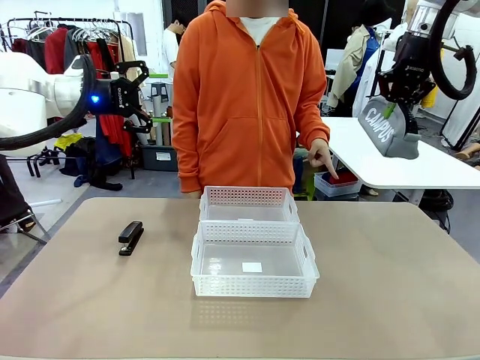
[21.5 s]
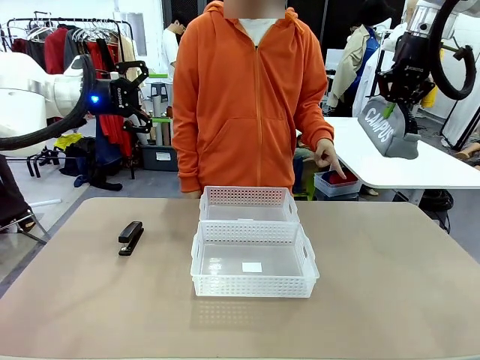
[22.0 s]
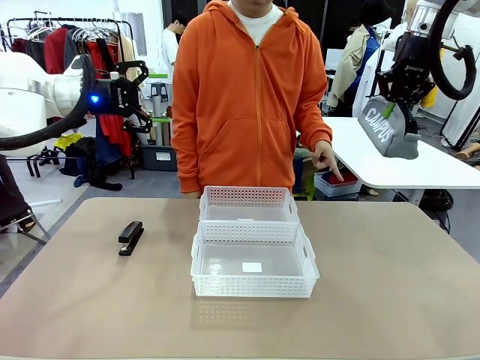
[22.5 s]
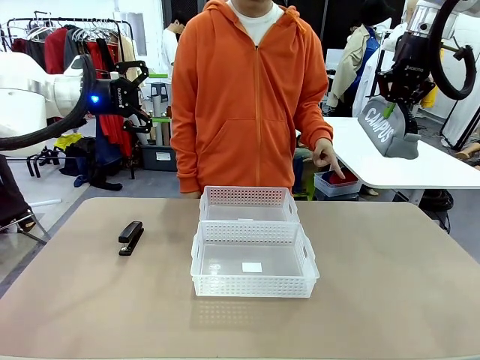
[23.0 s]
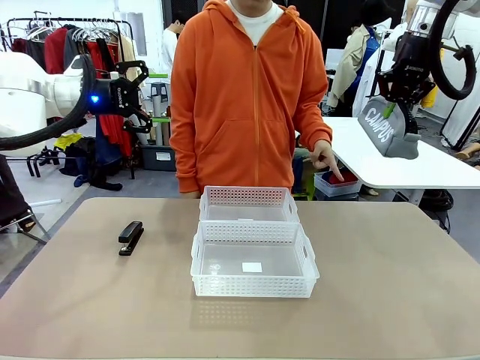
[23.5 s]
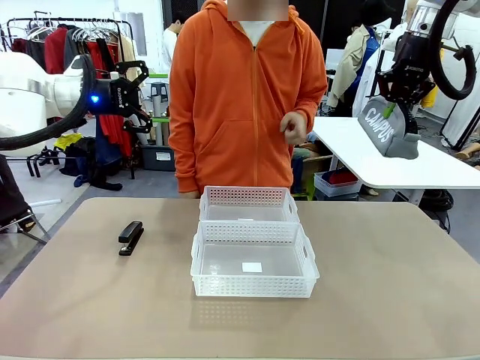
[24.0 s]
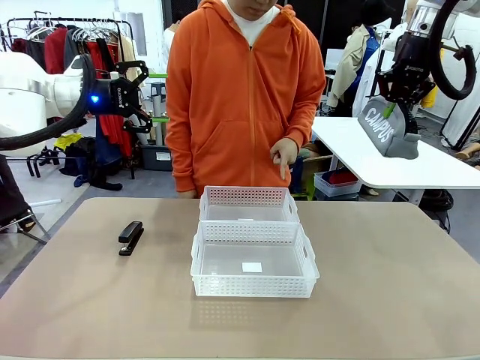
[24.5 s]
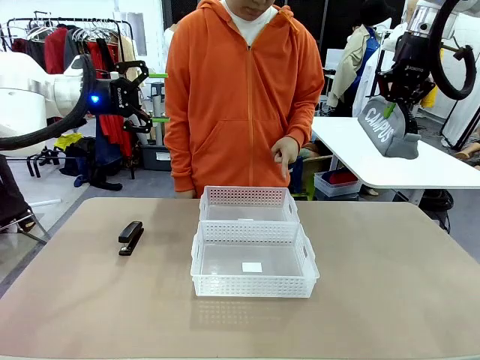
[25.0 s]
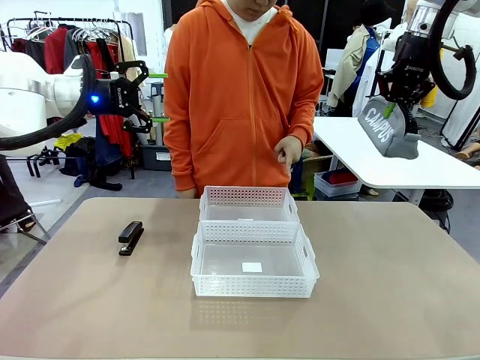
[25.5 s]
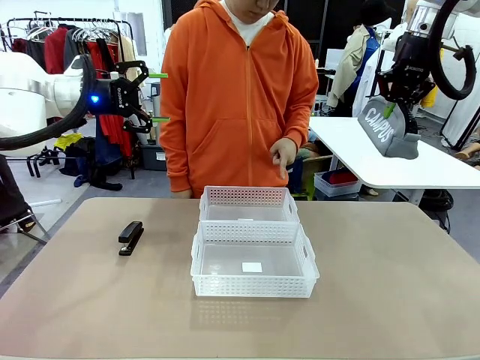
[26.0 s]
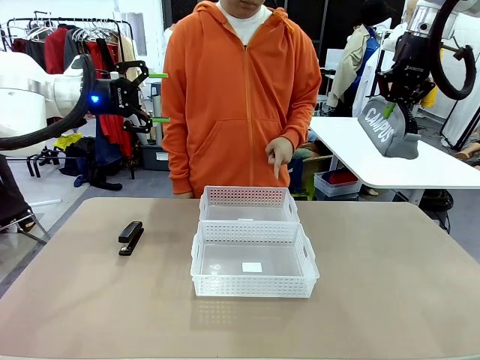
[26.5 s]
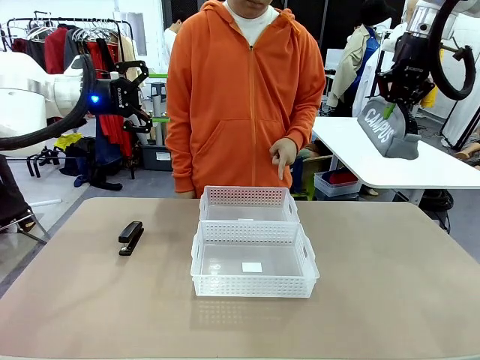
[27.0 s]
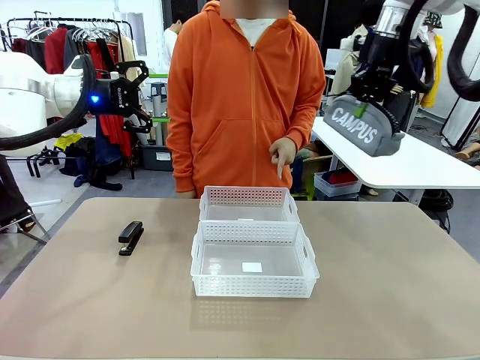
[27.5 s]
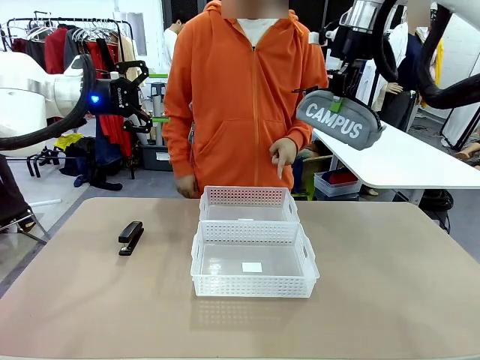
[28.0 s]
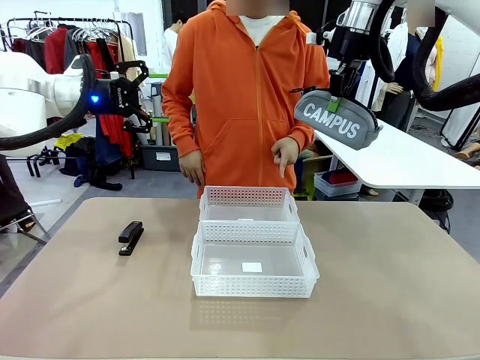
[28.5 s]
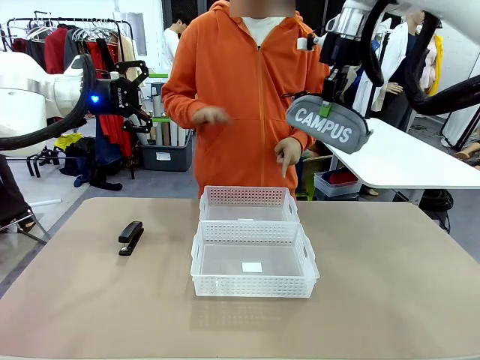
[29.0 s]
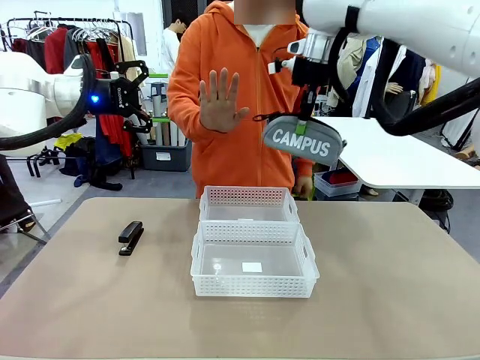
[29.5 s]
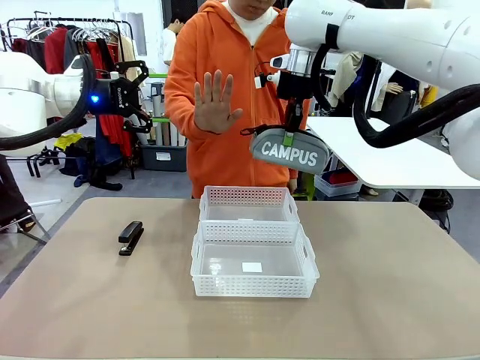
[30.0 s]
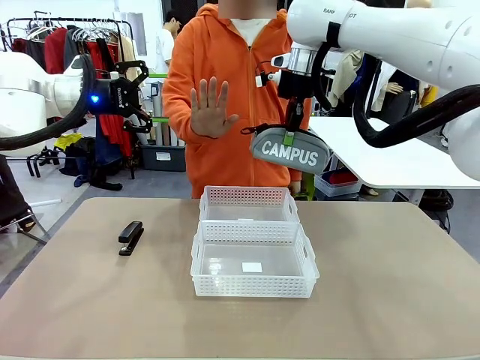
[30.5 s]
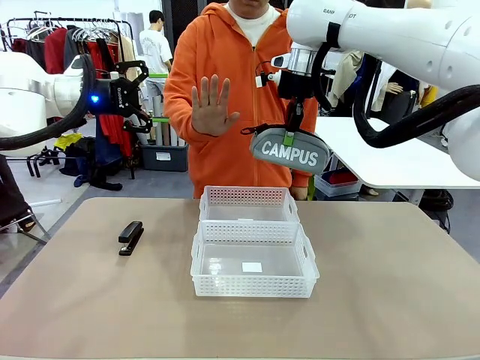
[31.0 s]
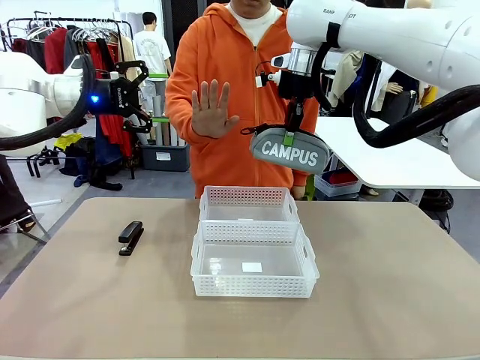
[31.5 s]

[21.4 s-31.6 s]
Task: Distribute items into two baskets.
Robot: Move the picked Pencil pouch towards the Organizing basket indicated by the person, stopping as directed.
Person: Sends a stop gesture before the robot places the pencil case into the basket.

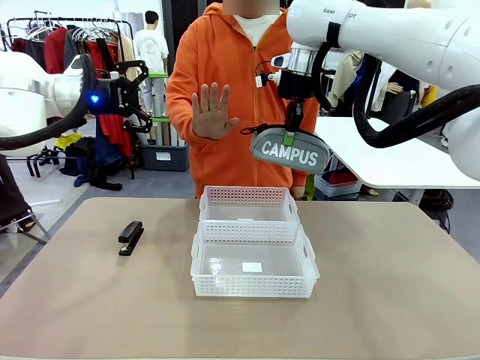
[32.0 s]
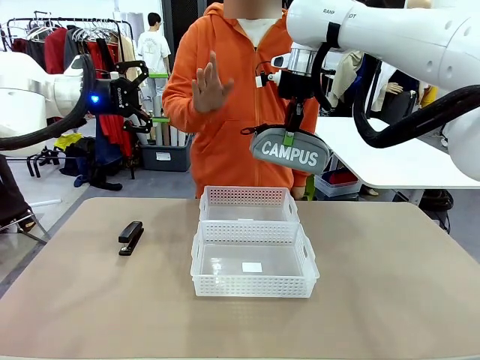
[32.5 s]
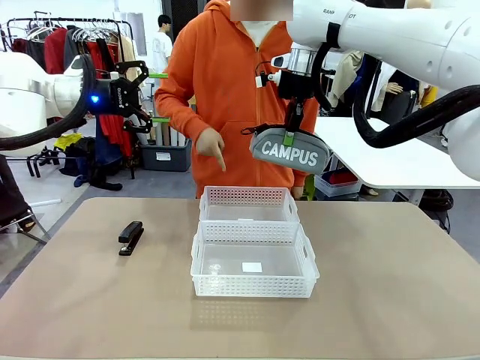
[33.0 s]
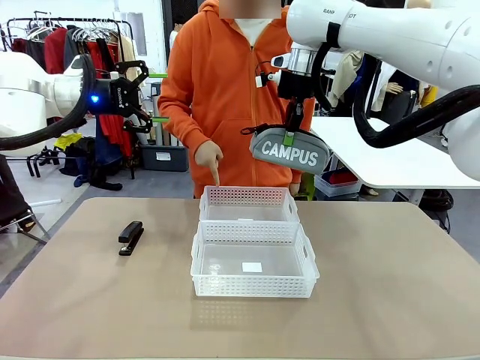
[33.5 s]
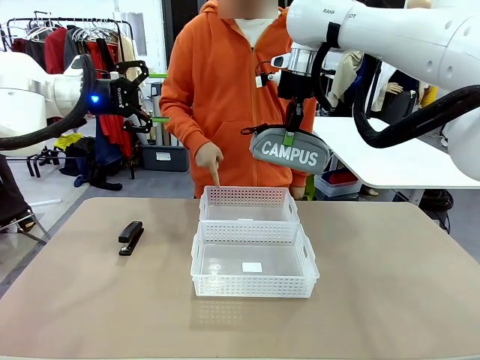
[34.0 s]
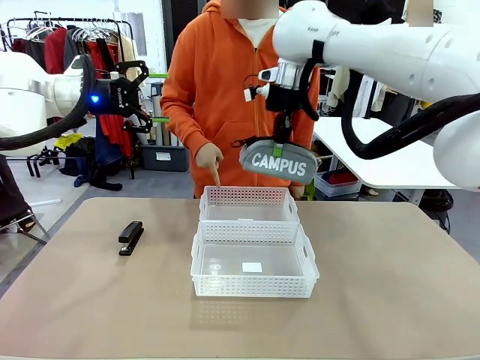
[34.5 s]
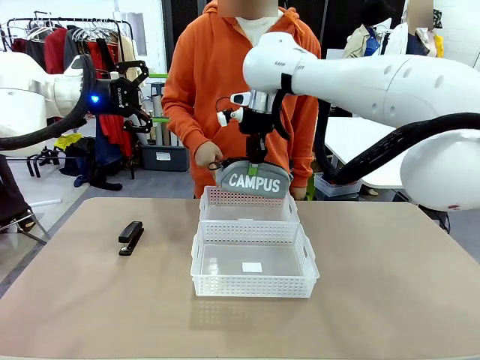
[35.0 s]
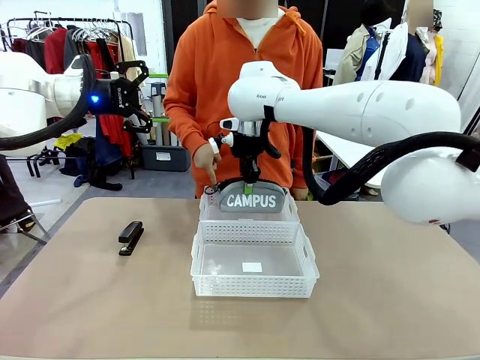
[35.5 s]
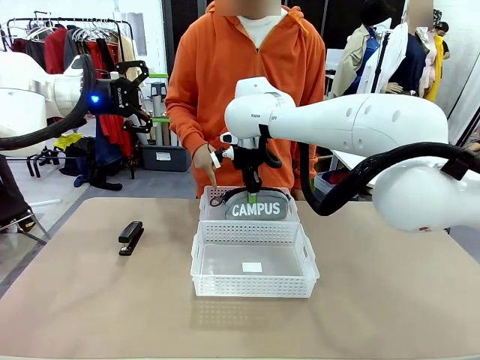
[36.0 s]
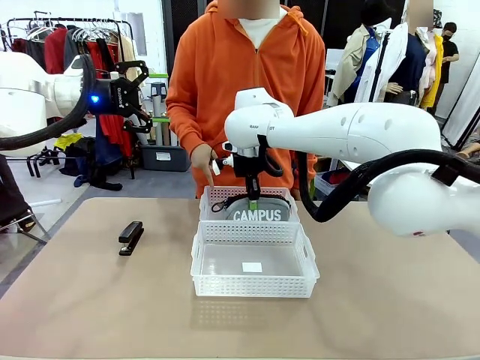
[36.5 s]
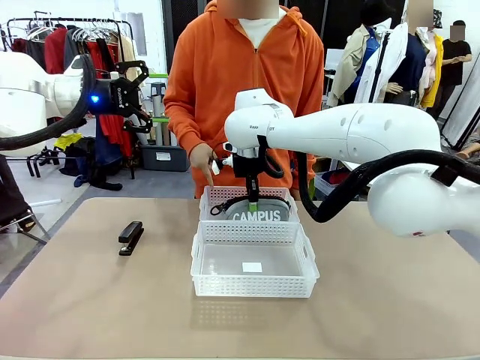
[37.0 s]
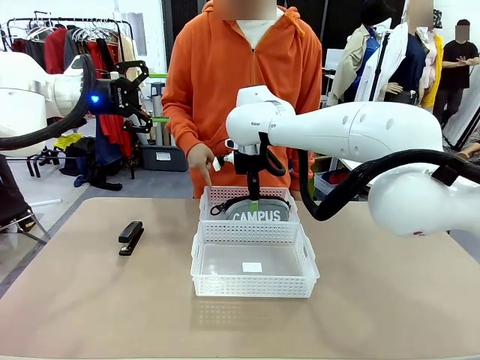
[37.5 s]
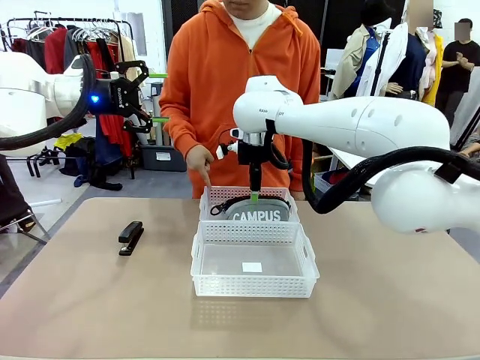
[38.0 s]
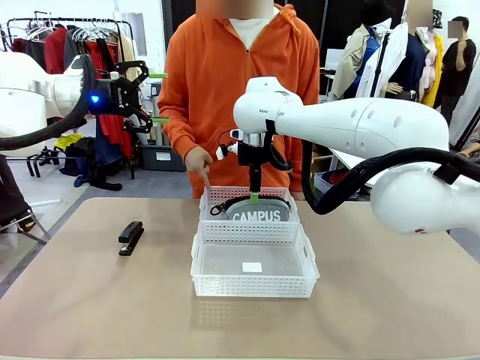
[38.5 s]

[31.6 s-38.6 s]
Robot: Place the picked Pencil pouch into the Organizing basket as instructed by the person.
Person: Instructs the robot to place the pencil case into the opposite basket.

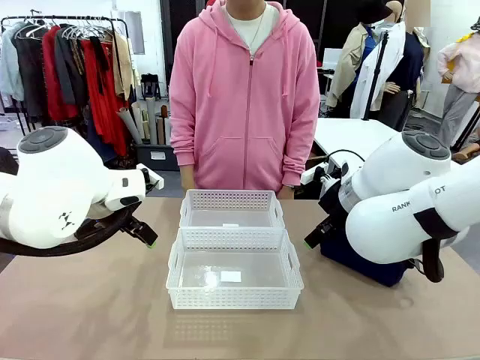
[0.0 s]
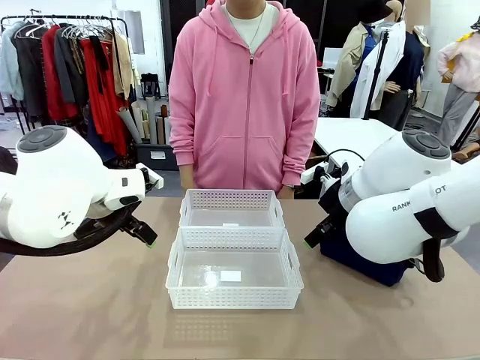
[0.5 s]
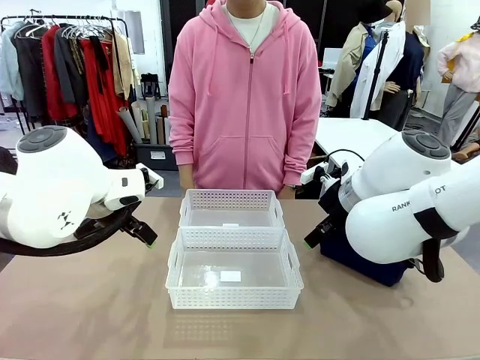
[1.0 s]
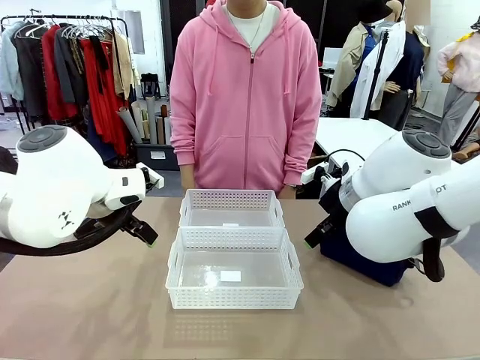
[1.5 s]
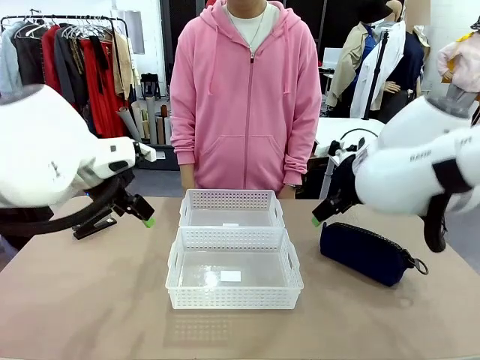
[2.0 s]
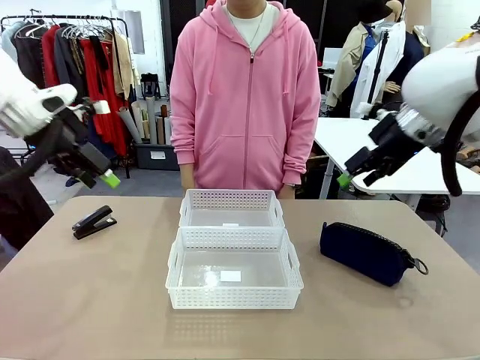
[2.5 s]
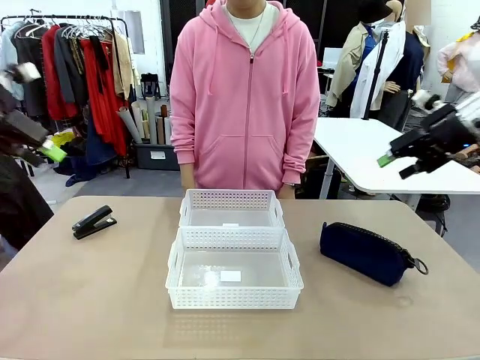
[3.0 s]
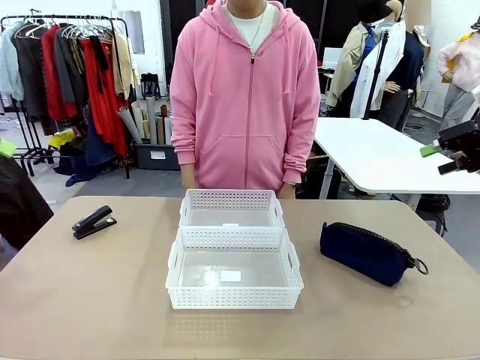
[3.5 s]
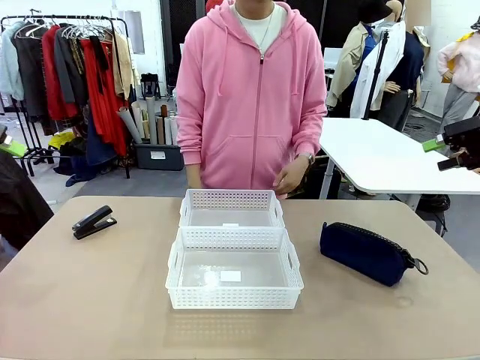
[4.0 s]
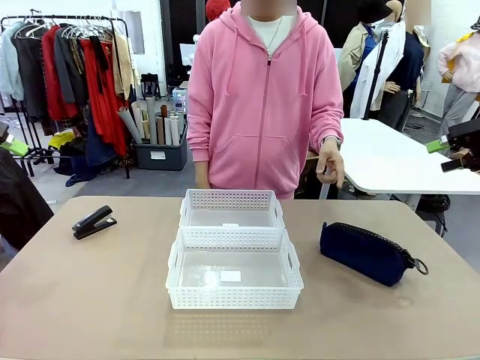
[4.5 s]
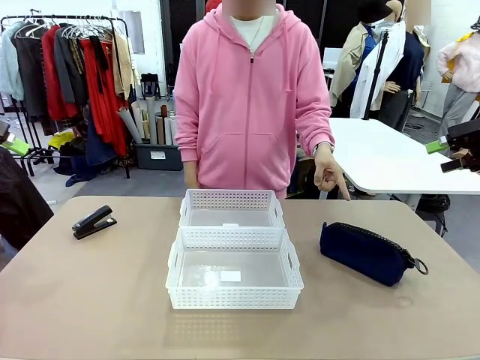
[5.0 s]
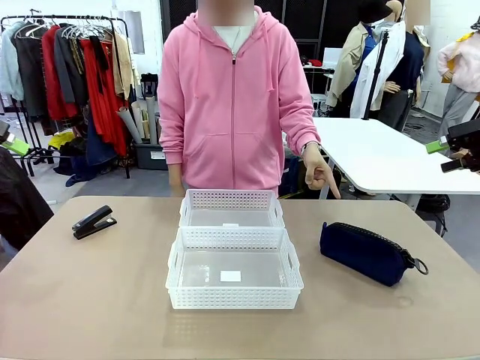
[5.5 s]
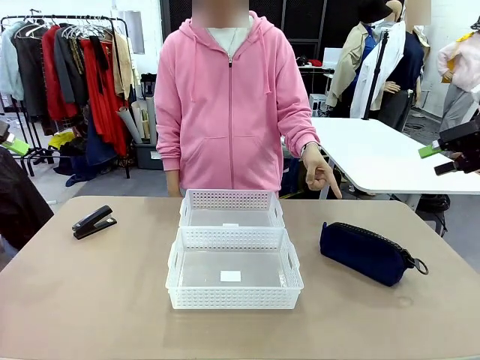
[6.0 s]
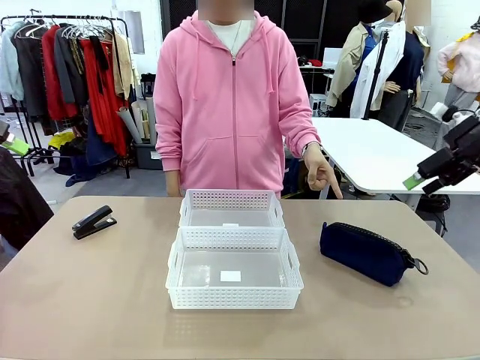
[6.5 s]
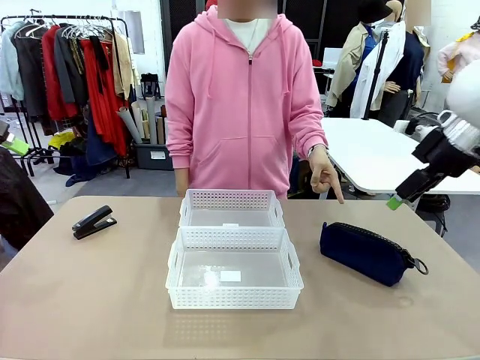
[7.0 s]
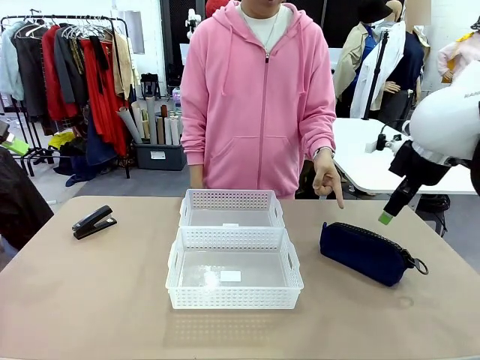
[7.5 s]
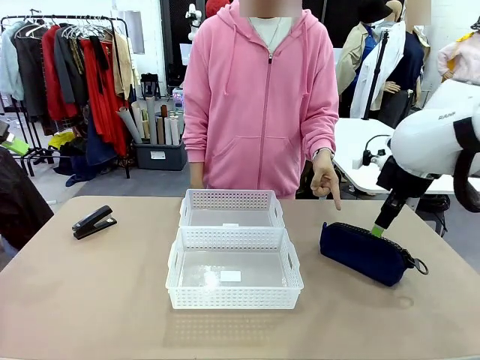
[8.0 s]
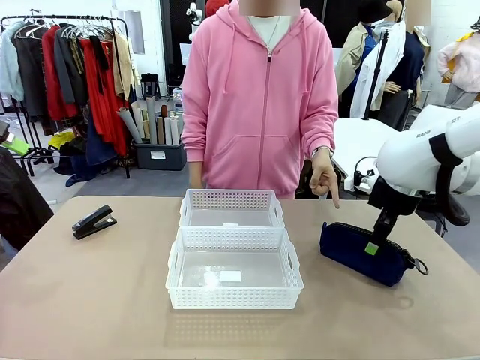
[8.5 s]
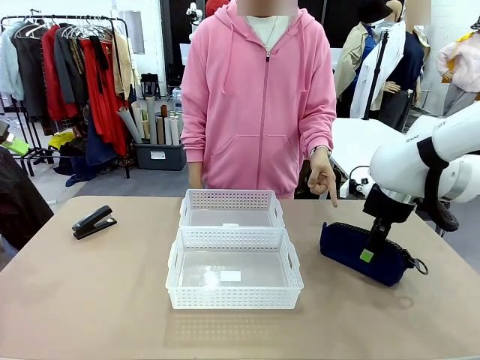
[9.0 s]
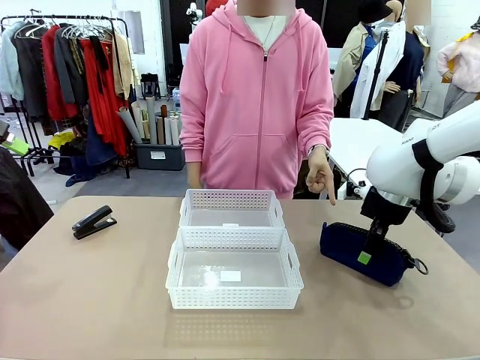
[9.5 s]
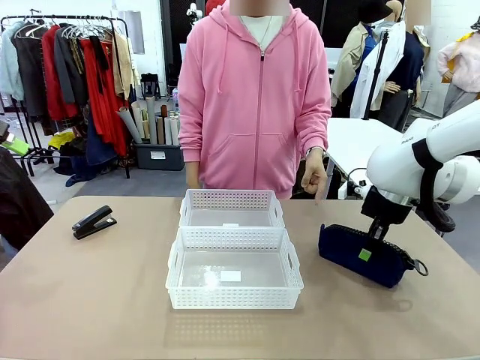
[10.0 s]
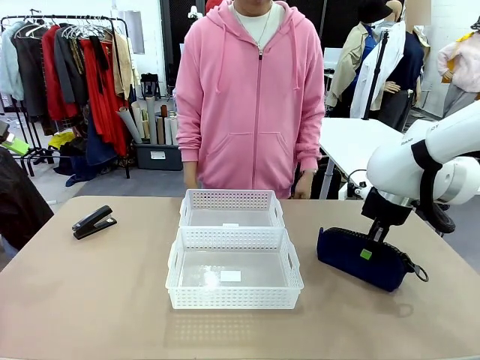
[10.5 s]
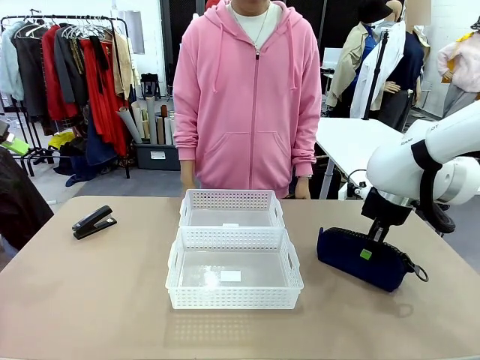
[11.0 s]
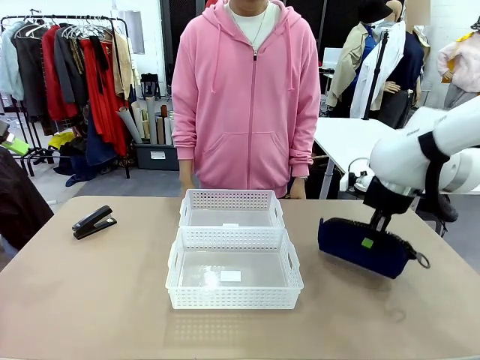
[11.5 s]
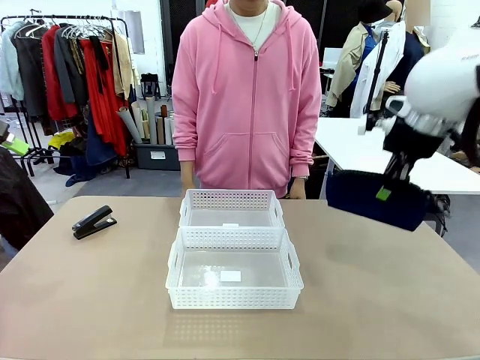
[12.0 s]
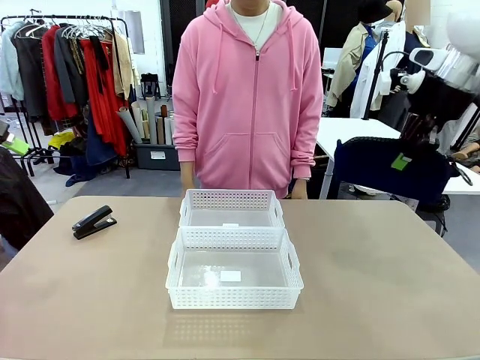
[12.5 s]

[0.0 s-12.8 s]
Task: Distribute items into two baskets.
Robot: Pick up the Pencil pouch that the person points to.
Person: Points to the pencil case. Points between the two organizing baskets and instructs the robot to move the pencil case.
